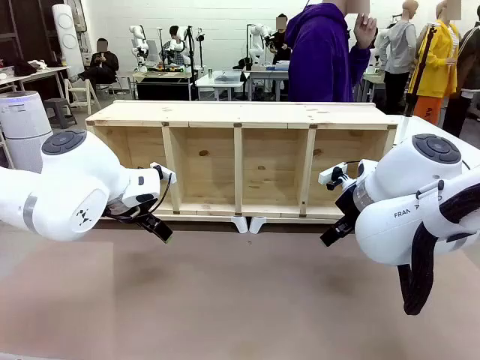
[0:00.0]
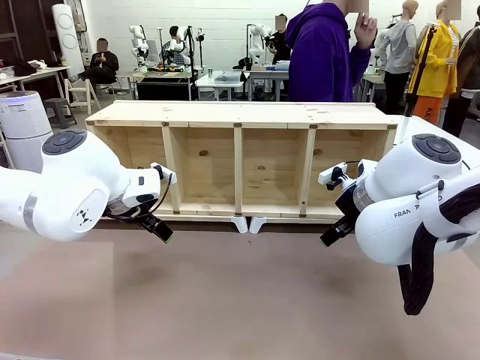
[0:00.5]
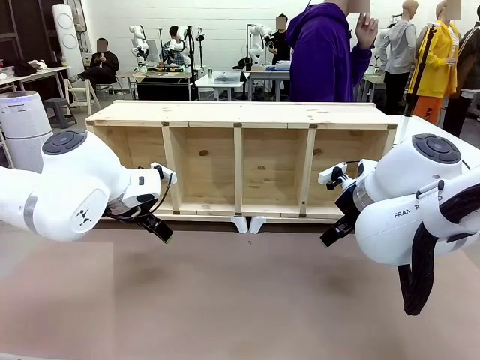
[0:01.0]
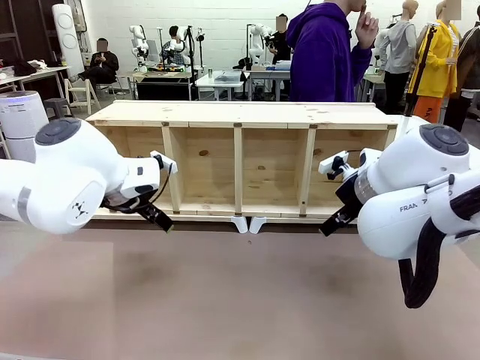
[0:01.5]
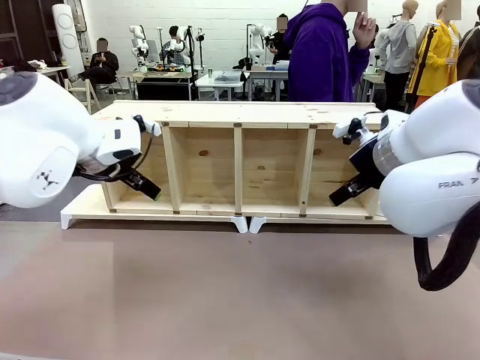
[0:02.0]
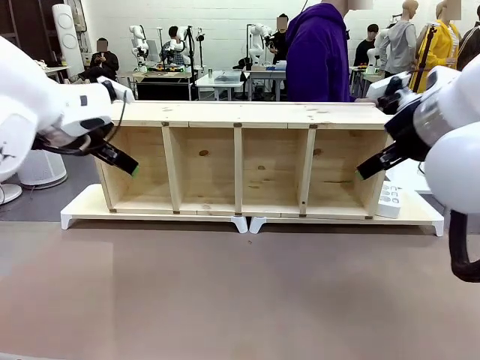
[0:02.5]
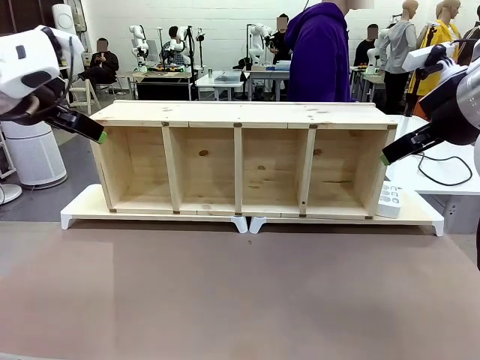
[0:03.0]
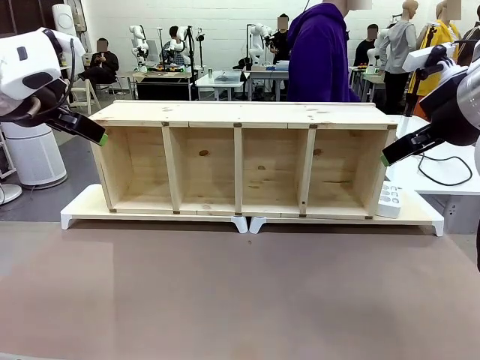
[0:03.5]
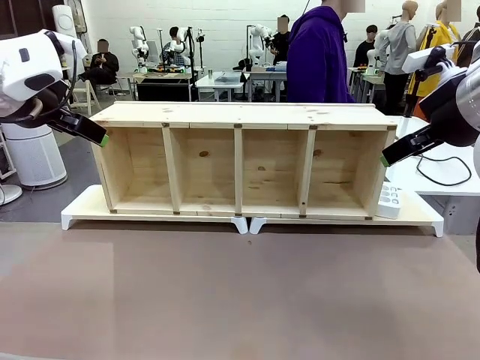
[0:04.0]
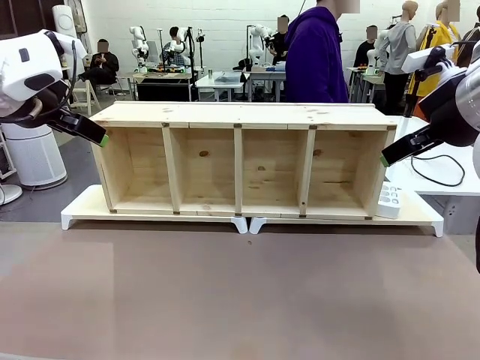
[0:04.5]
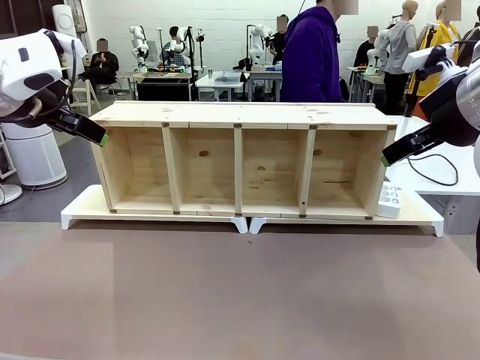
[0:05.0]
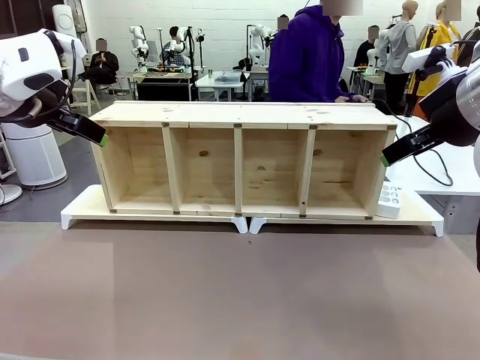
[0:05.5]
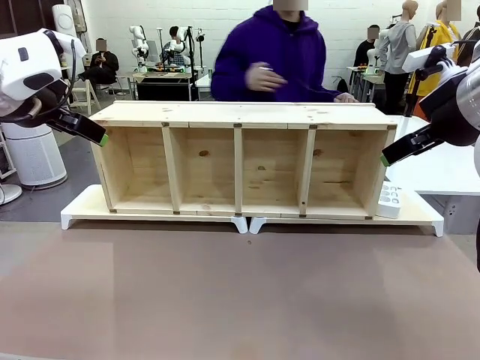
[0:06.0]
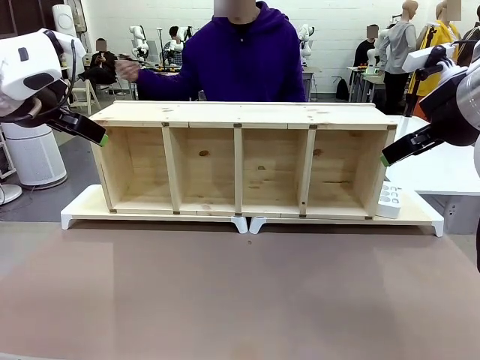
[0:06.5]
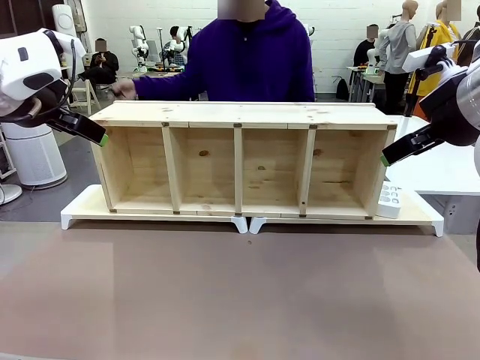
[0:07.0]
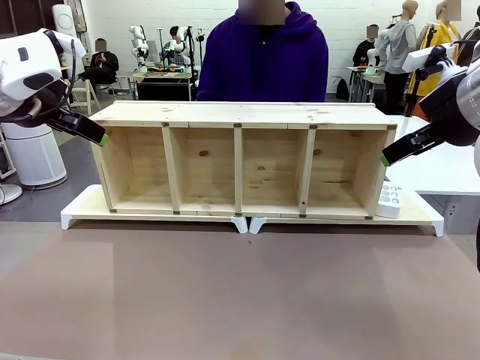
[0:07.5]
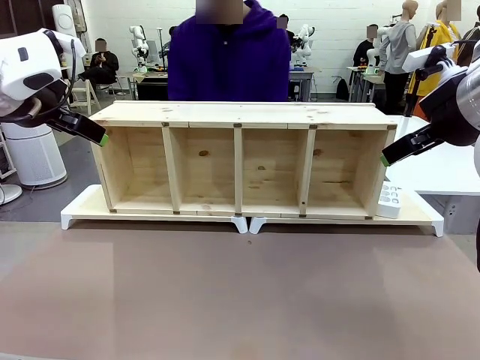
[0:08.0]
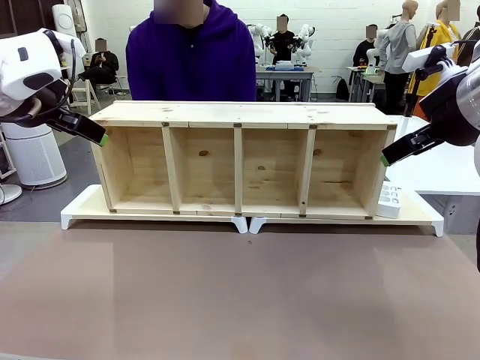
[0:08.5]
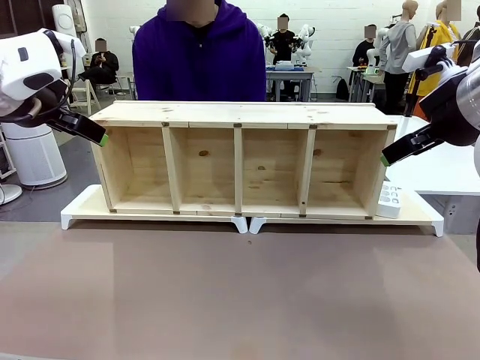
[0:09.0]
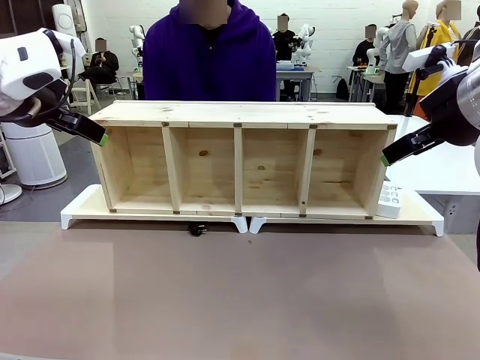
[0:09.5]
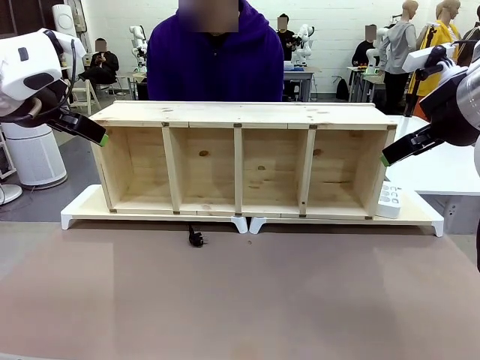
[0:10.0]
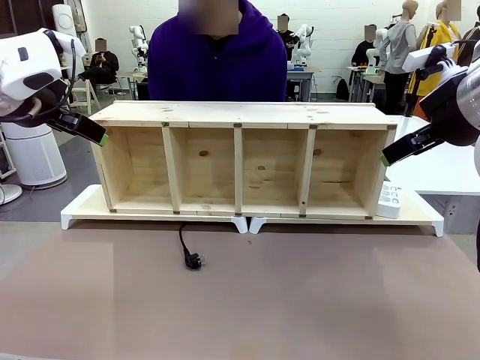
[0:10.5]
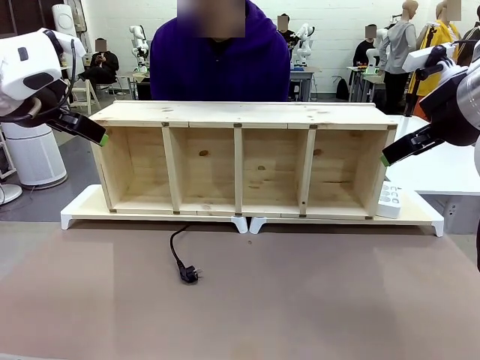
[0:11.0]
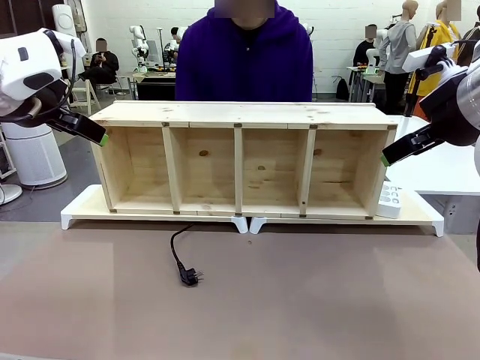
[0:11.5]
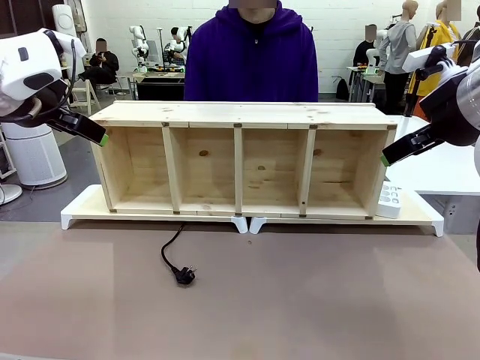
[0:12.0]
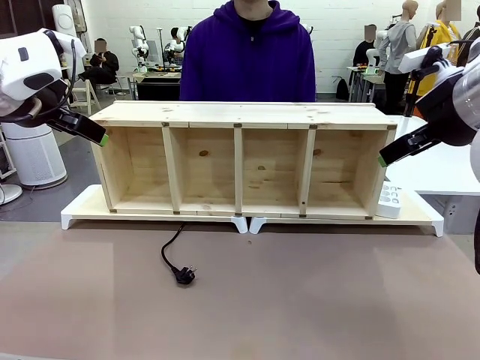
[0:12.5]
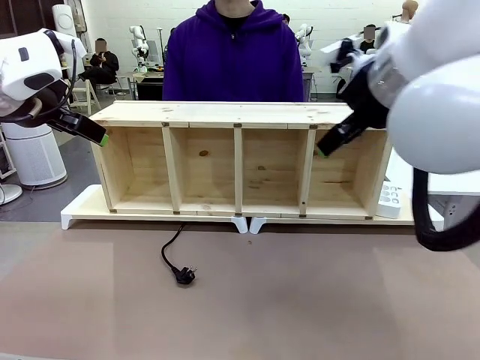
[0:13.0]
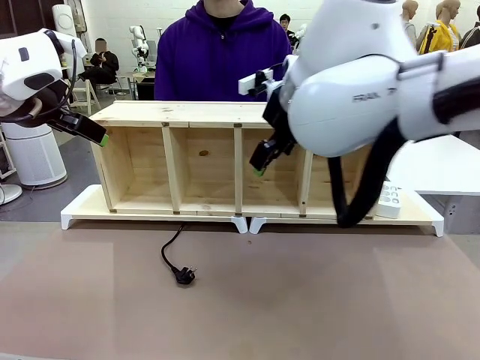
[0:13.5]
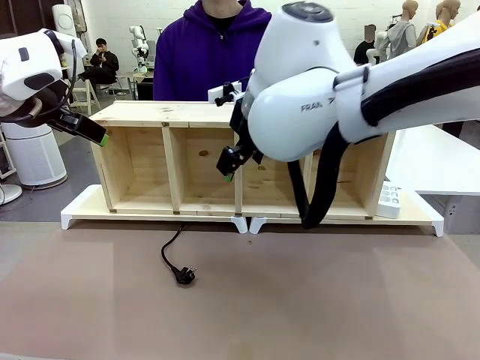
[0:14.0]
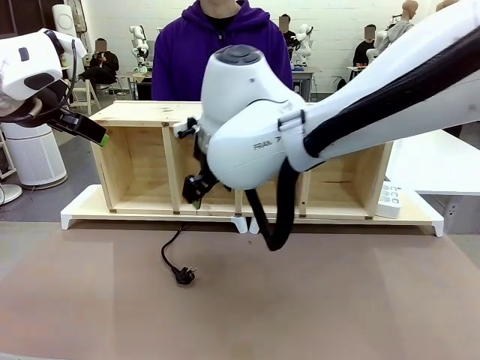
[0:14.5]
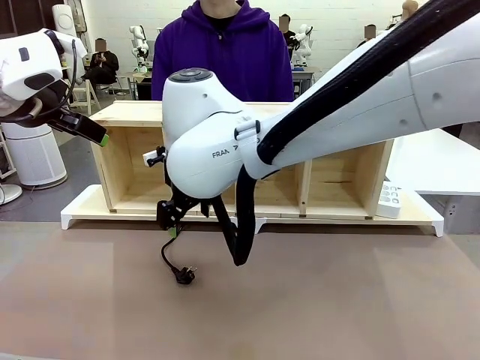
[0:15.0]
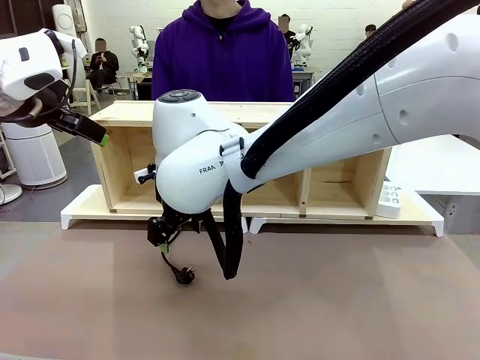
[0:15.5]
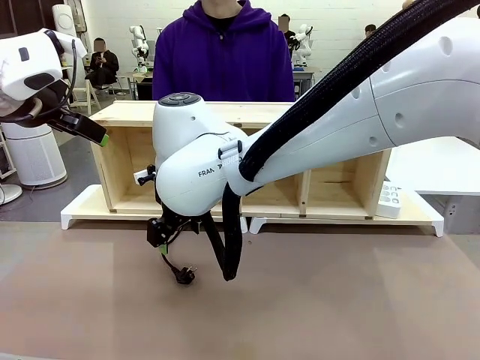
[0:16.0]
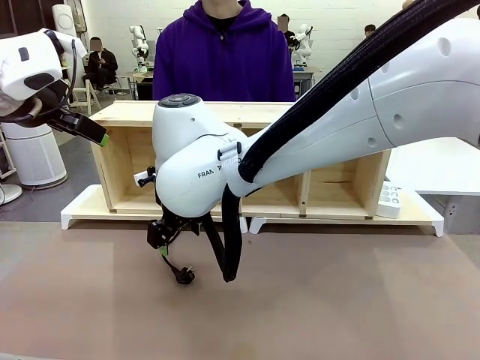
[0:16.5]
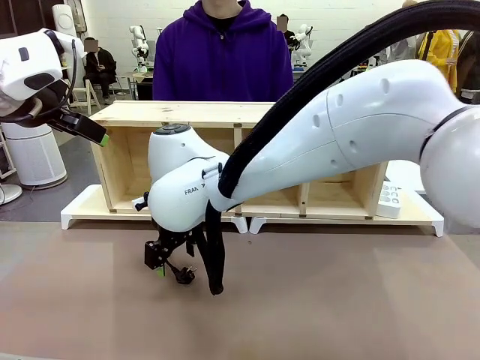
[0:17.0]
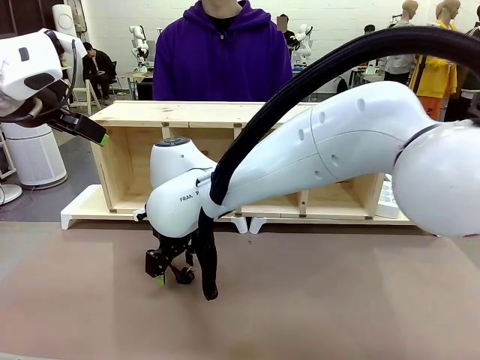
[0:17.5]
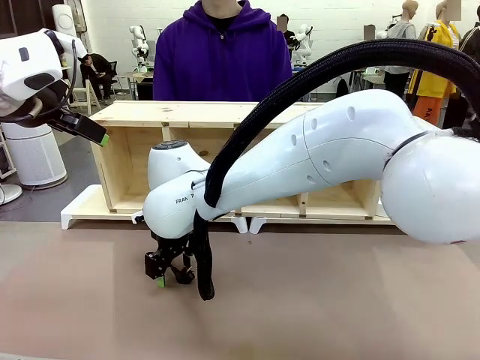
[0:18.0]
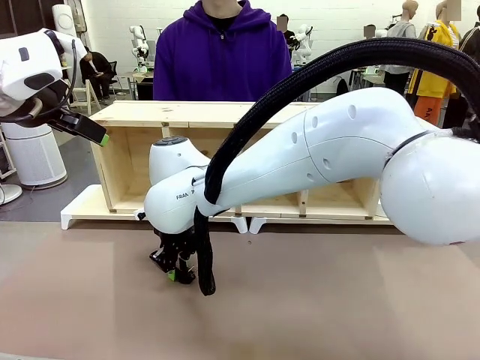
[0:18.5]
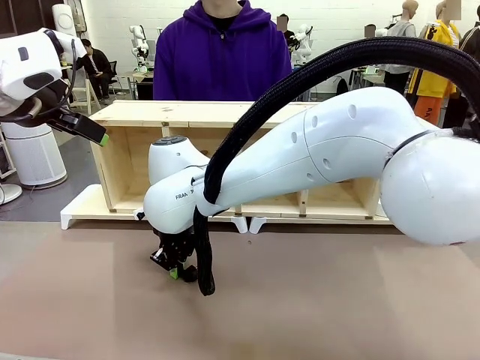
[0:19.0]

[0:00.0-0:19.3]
Task: Perform cable management.
Robot: When the cord part of the Power Cable appears at the lower middle area of the table and stops, grasp the cord part of the Power Cable.
Person: Pass the Power Cable under the Serving Table.

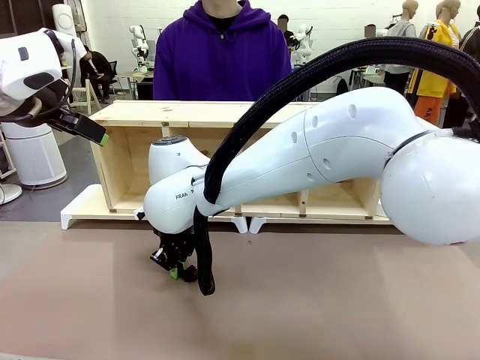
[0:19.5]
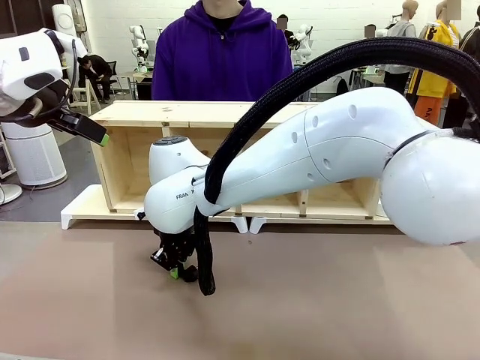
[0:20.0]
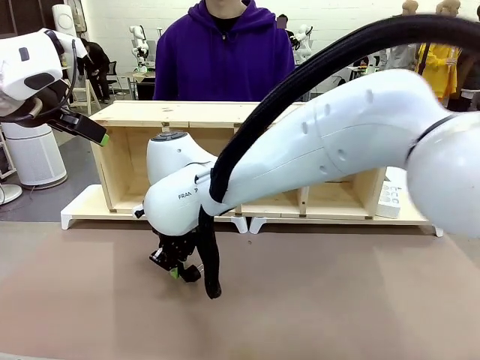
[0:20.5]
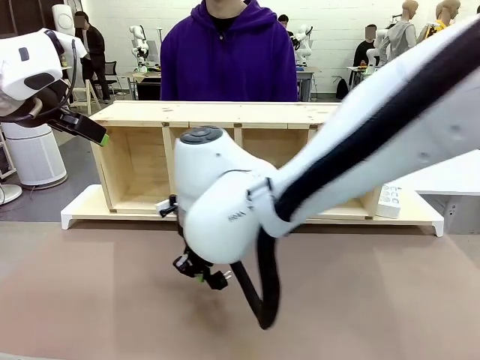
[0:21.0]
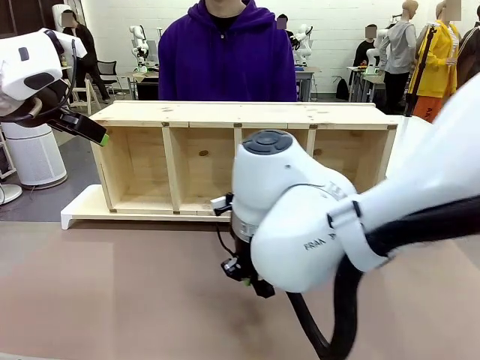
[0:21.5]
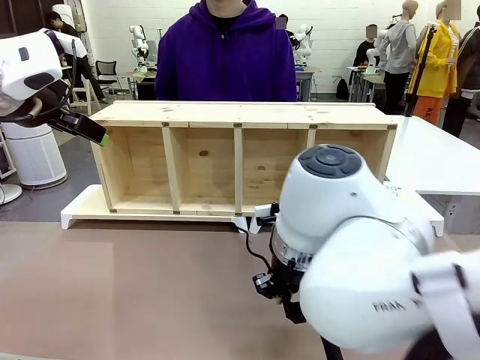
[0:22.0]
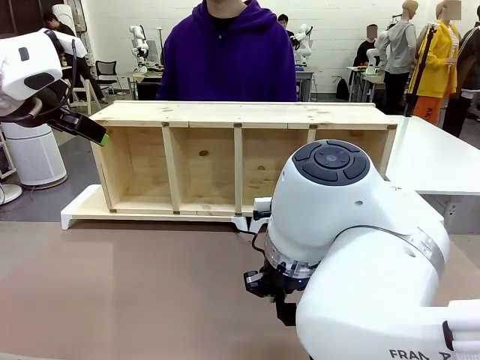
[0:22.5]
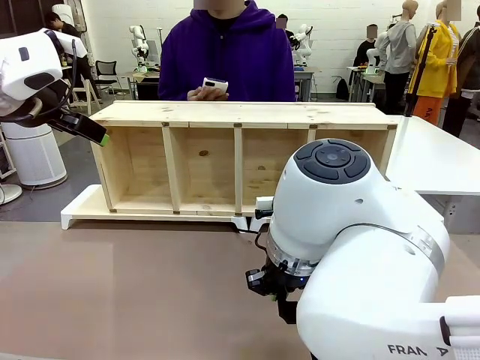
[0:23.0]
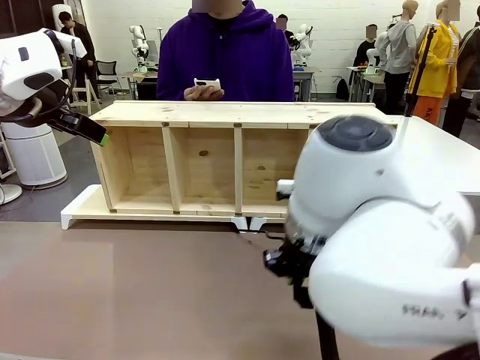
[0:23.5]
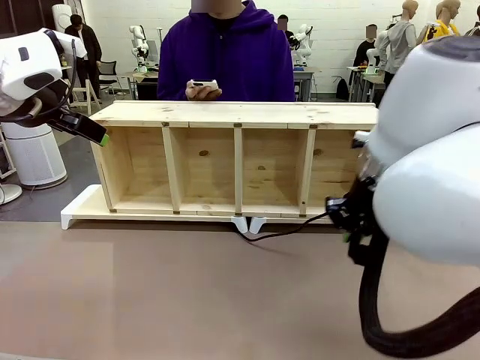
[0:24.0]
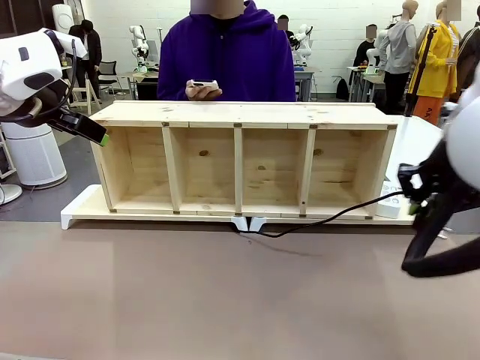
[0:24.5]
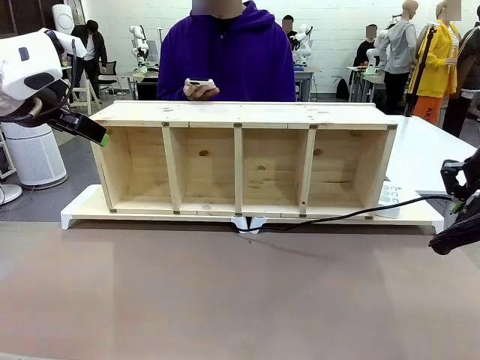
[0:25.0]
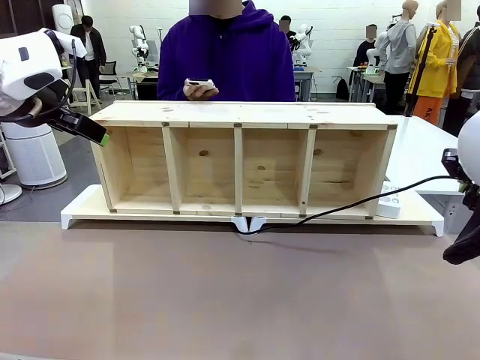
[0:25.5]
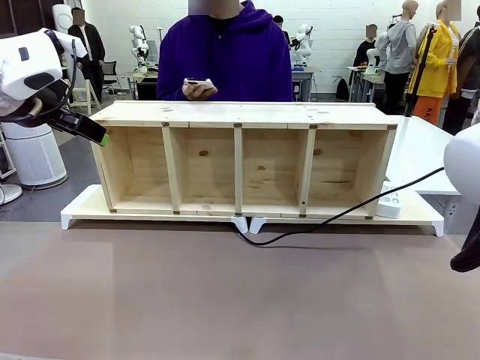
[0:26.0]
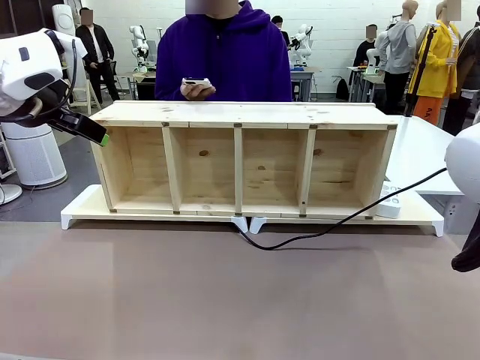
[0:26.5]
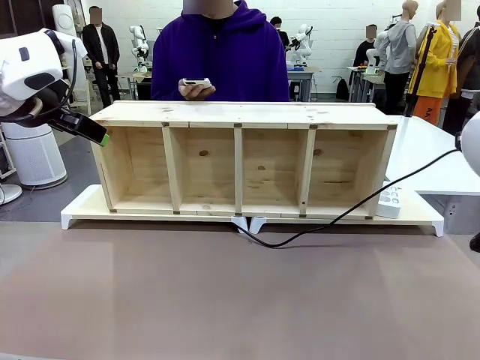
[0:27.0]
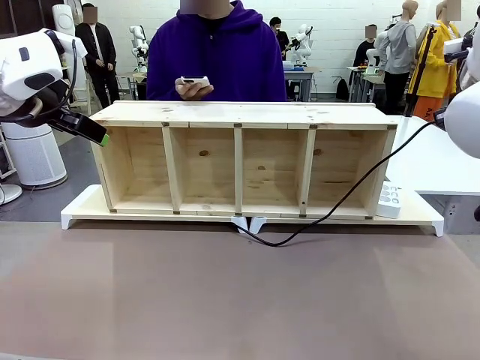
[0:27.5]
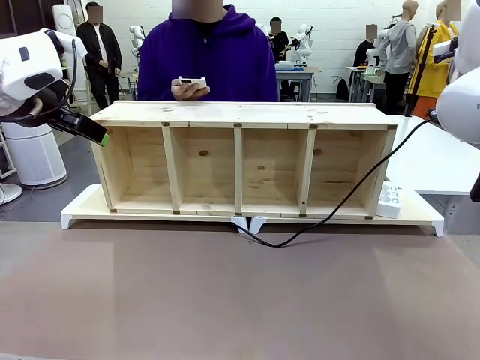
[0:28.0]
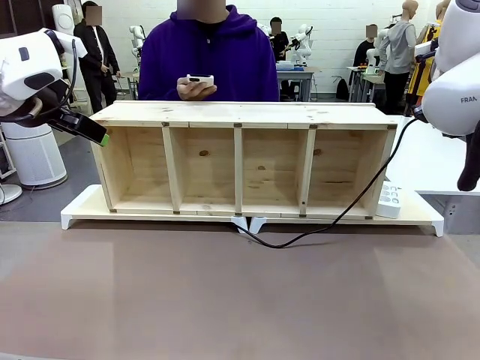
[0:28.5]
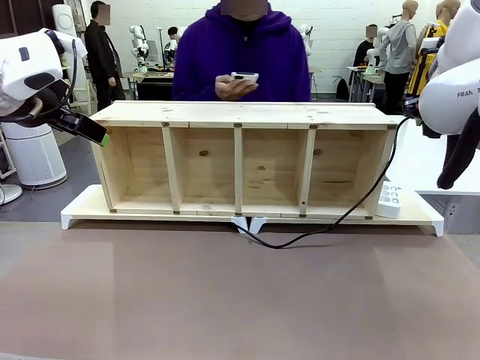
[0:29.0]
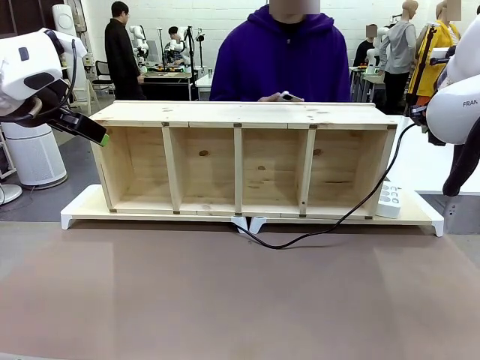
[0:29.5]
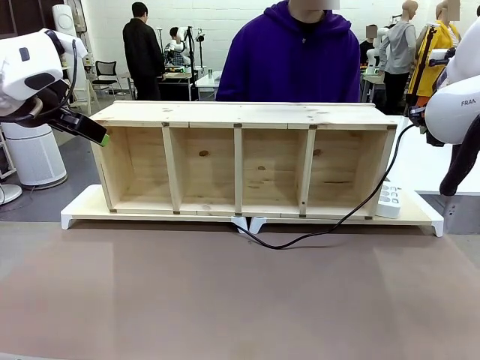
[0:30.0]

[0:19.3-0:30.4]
Robot: Pull the grasped Power Cable to the location of the Power Strip.
